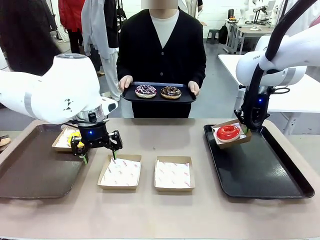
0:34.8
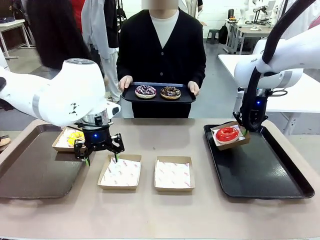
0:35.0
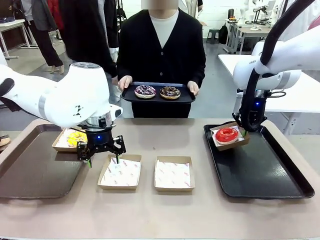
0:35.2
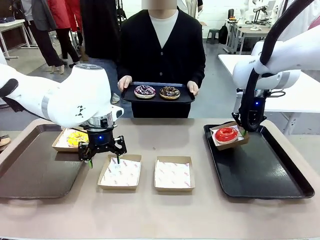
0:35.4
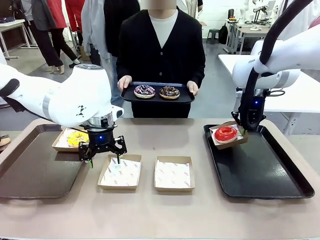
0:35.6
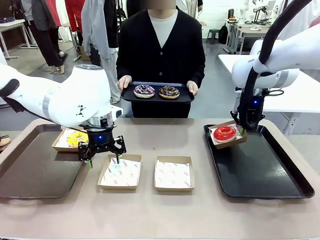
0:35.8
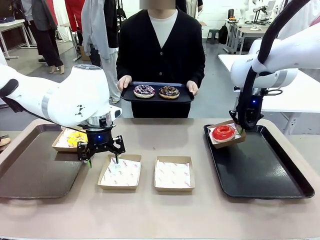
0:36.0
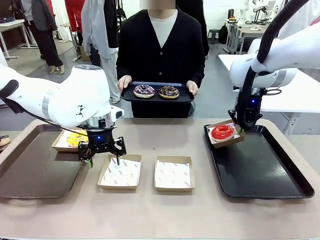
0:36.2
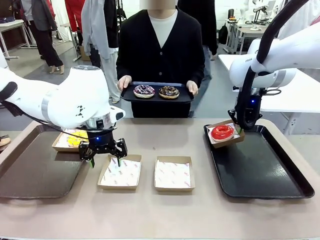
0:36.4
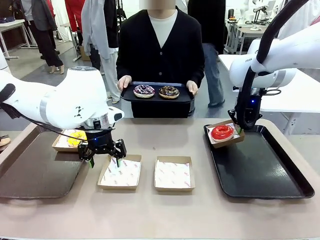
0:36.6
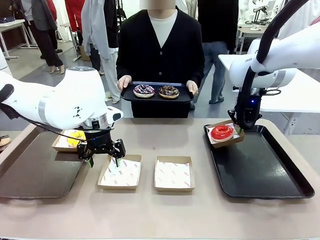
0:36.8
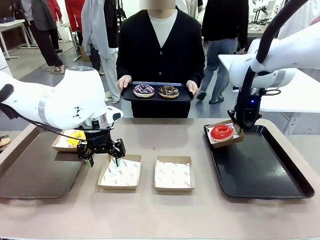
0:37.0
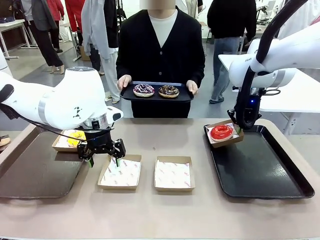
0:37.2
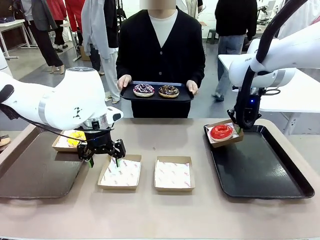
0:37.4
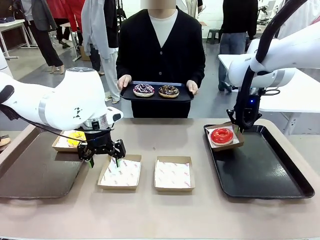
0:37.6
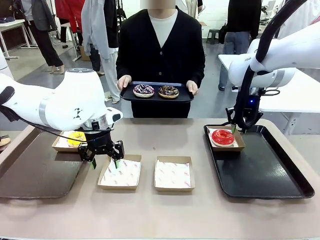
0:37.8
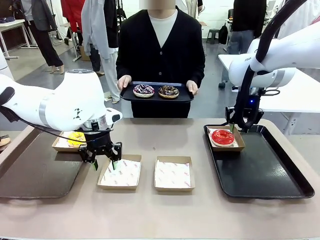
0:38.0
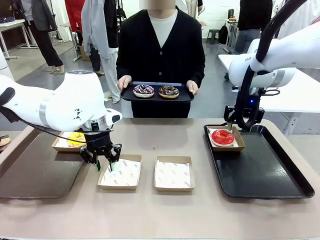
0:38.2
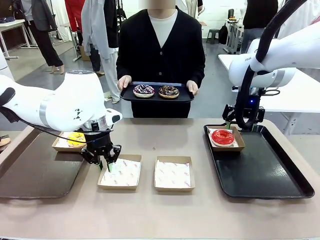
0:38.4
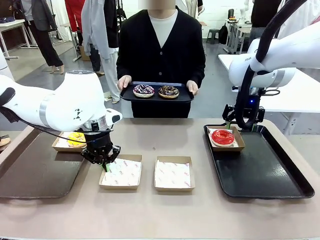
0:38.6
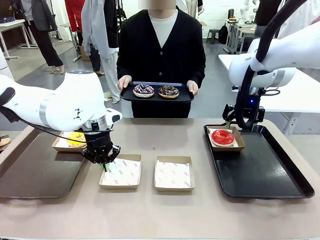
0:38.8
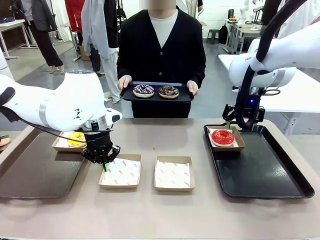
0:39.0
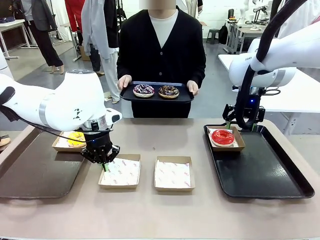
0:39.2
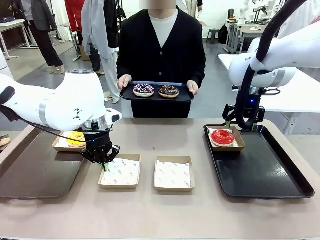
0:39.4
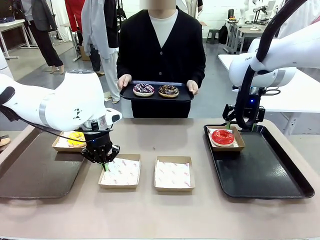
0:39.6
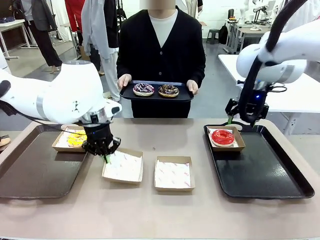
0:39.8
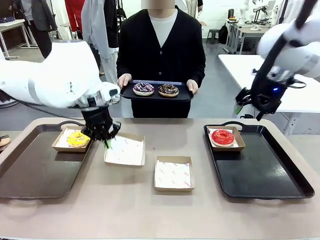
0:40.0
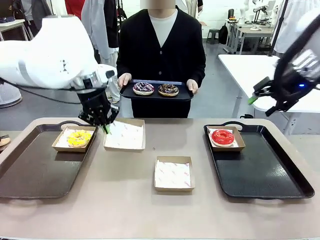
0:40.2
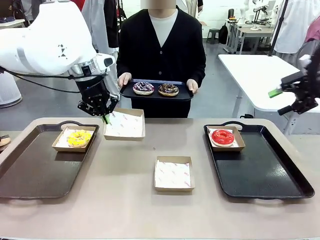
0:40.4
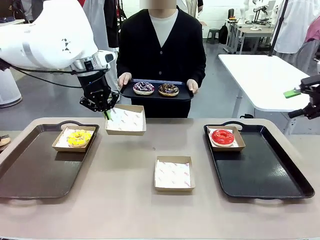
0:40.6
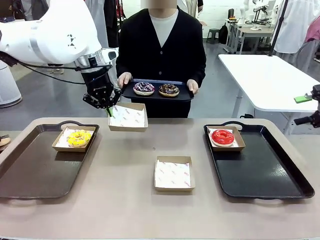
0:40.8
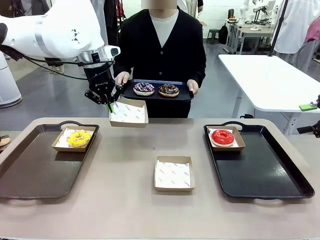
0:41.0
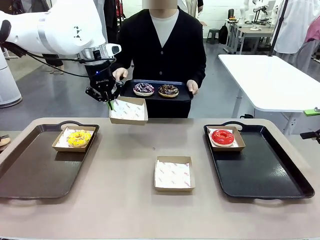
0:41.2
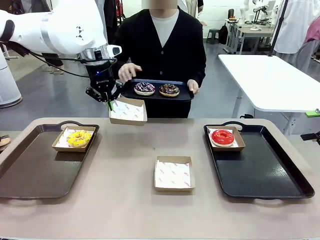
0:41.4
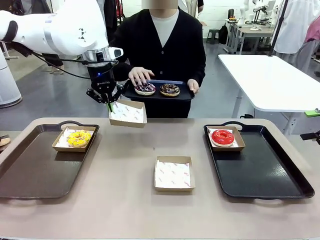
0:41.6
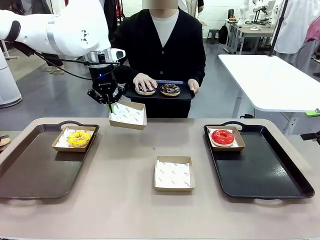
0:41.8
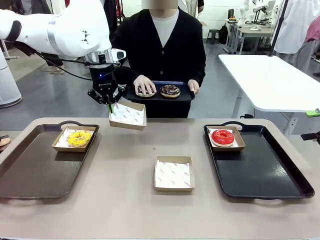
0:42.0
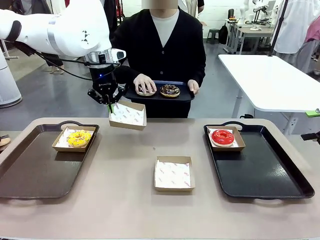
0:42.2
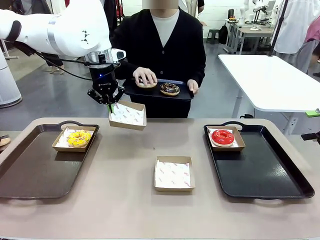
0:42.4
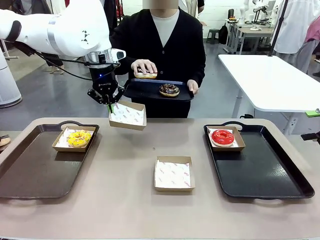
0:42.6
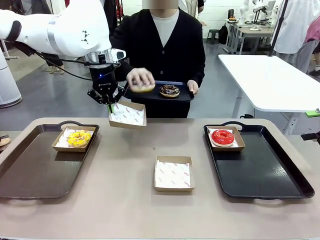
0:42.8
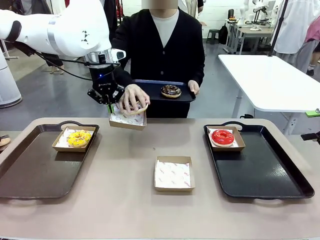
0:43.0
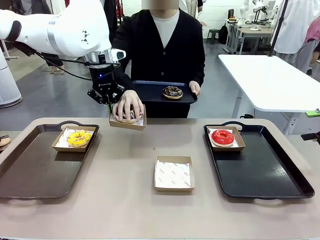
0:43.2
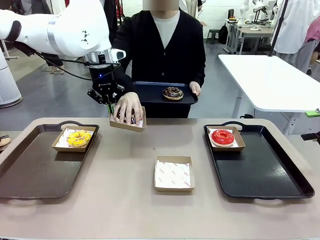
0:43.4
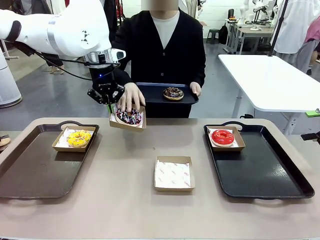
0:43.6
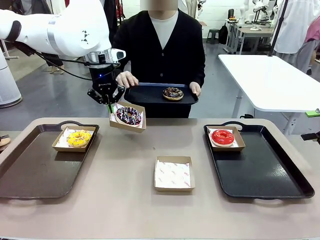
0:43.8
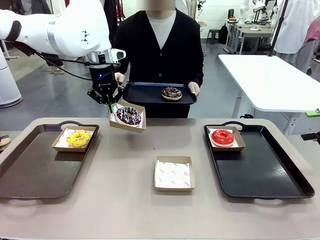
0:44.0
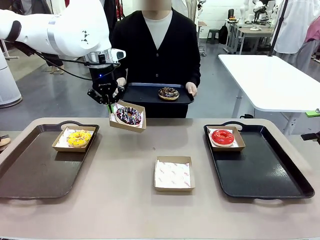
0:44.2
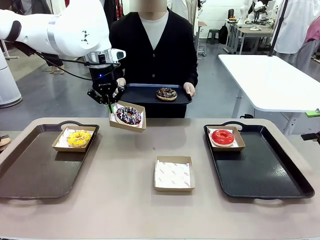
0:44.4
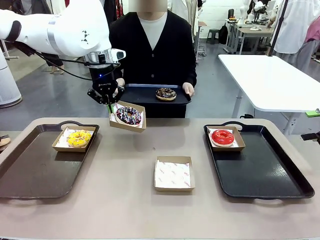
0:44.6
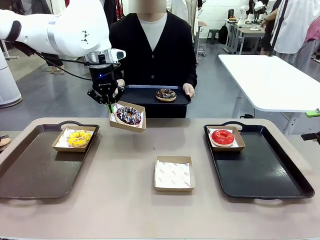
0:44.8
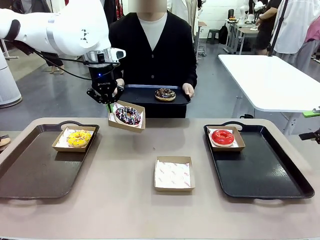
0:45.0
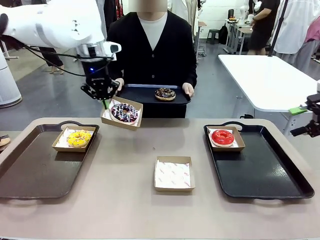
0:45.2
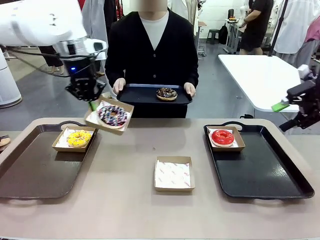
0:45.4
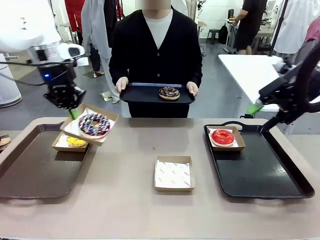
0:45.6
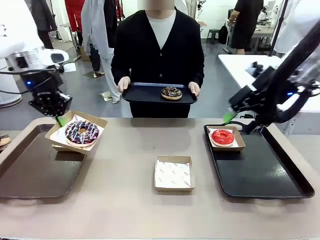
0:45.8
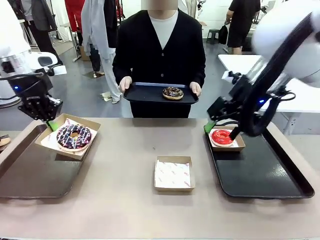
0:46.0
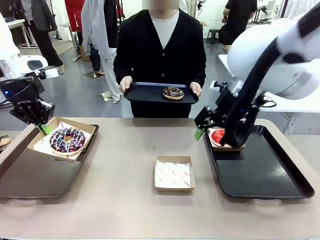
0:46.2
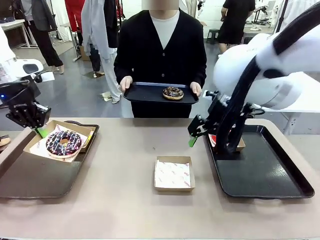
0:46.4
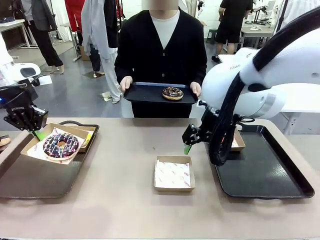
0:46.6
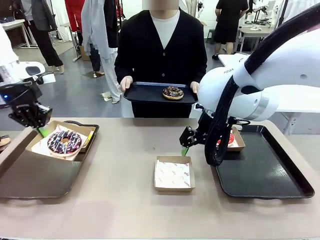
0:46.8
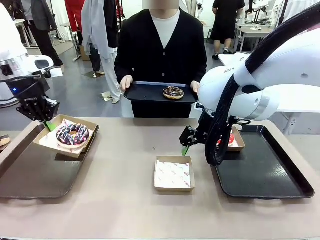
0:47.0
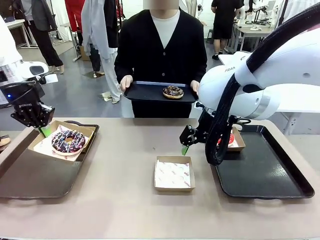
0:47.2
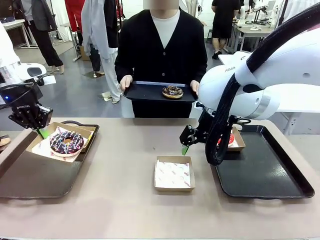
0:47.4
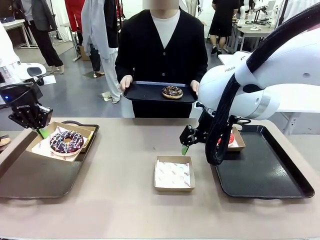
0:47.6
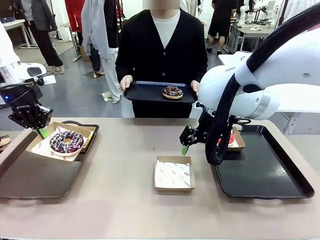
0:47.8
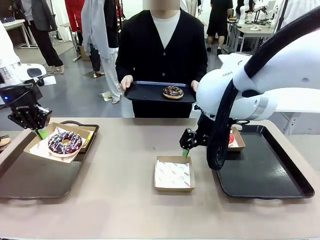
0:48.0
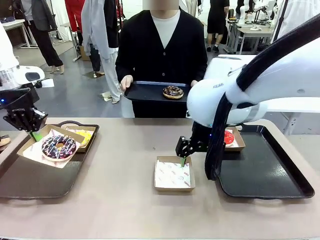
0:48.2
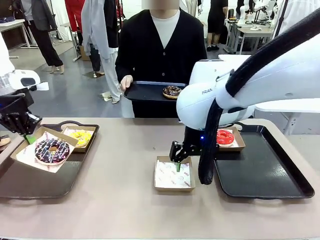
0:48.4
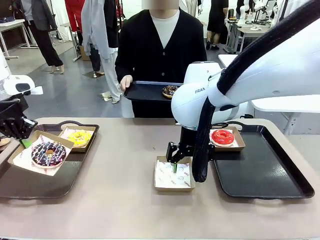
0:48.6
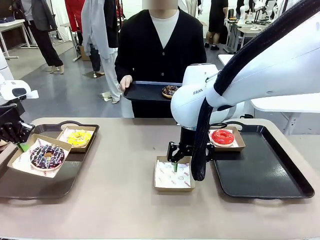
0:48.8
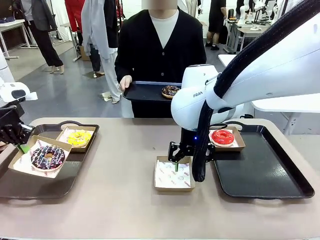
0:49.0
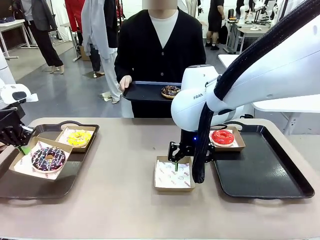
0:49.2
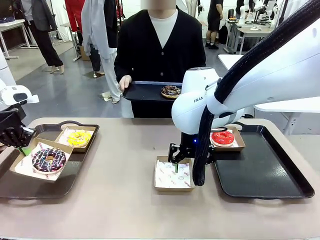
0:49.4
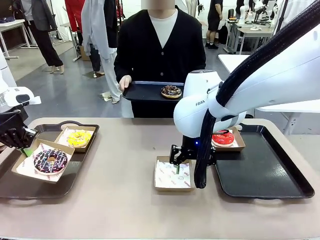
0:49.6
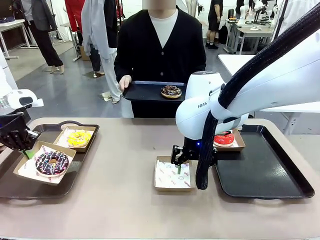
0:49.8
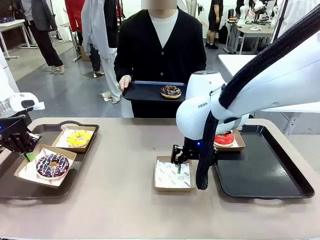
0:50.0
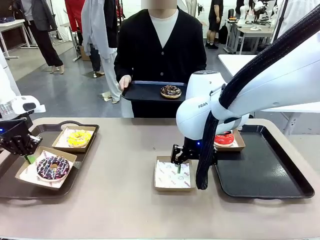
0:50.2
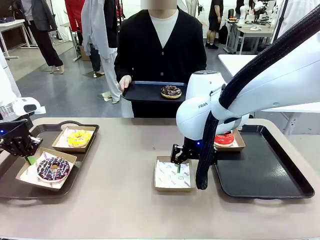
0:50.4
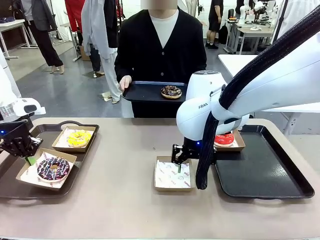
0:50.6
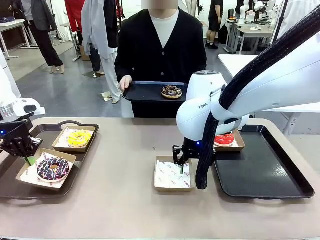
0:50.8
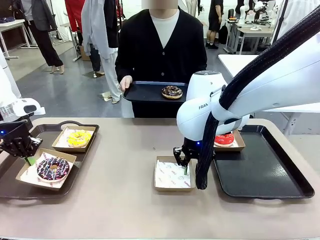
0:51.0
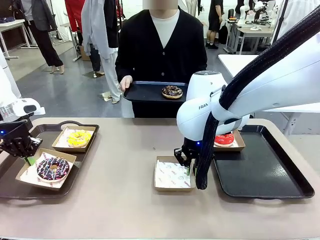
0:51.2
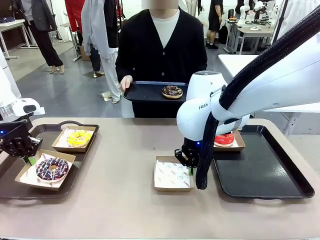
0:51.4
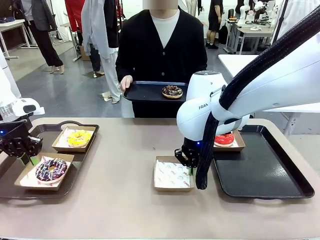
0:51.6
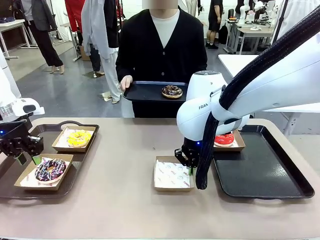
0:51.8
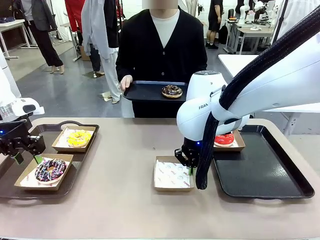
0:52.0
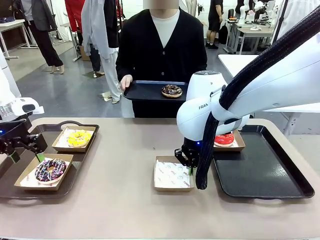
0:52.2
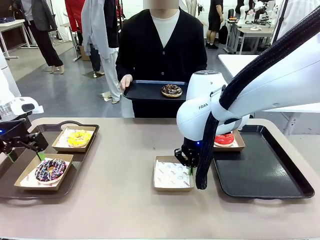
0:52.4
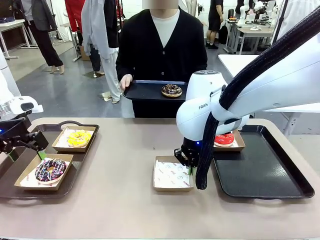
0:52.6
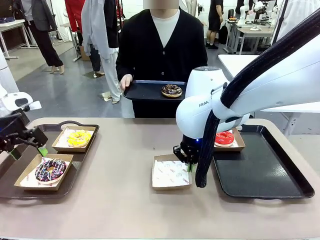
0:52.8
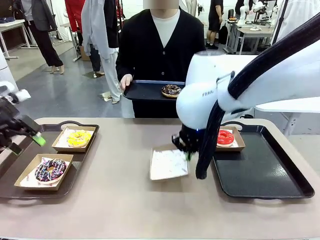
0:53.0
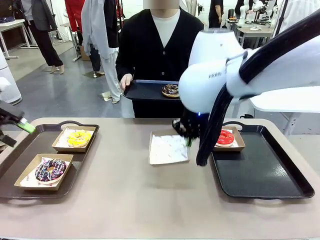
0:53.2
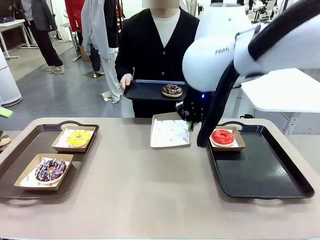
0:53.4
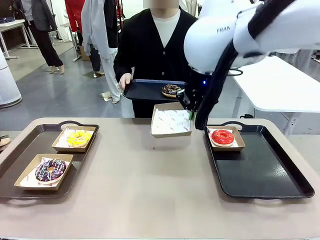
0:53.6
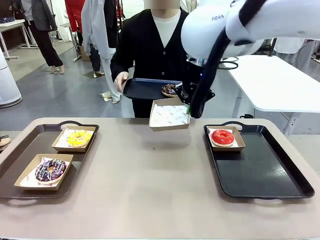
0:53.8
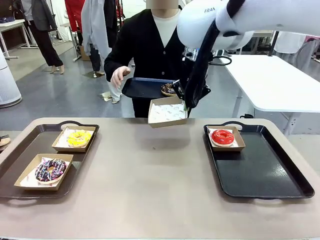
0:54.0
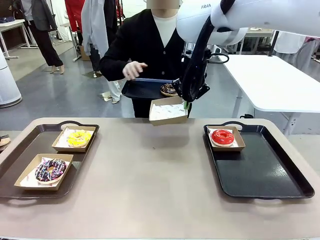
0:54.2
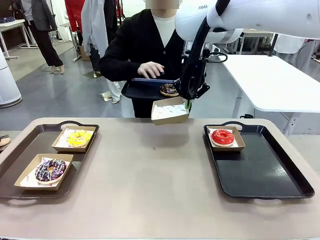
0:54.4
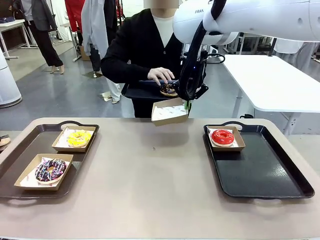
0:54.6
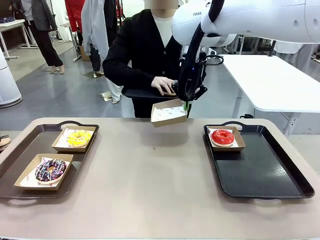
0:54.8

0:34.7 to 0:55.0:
Task: Individually package the donuts and arrange them on the tray.
Robot: Place the picked Paper togo box on the Handle tray while simultaneously picking up another Paper togo box from the table with the other hand.
